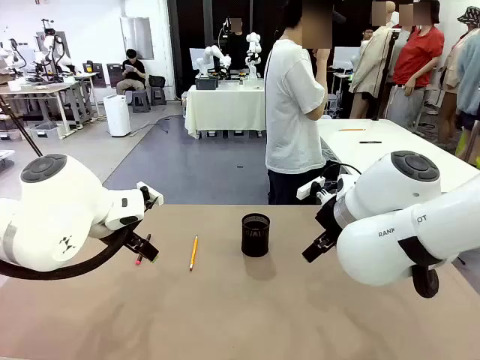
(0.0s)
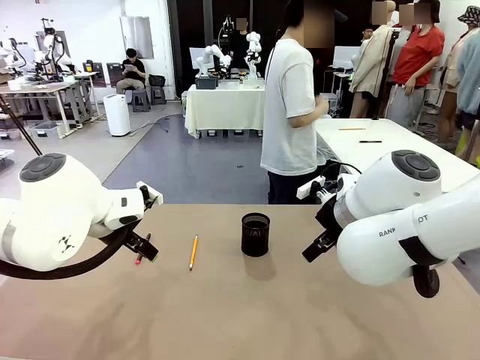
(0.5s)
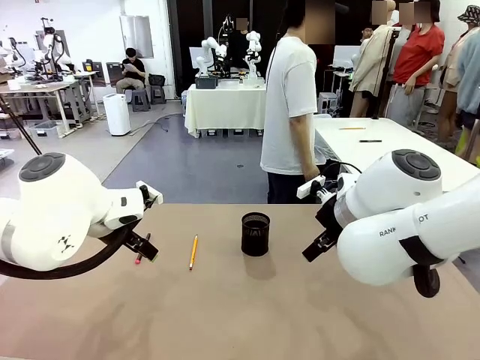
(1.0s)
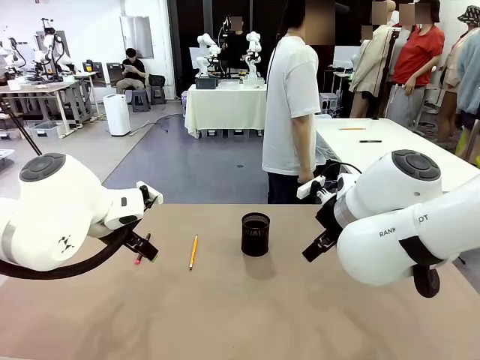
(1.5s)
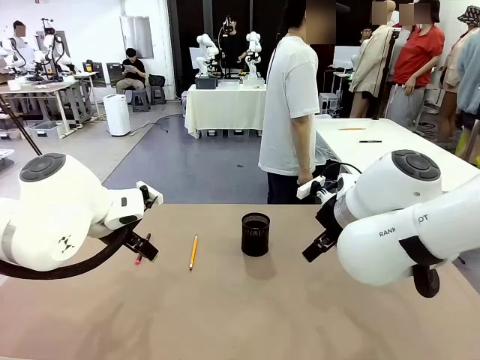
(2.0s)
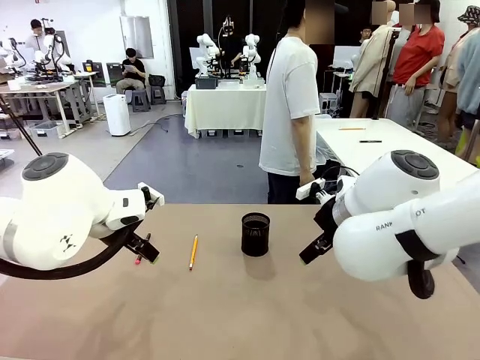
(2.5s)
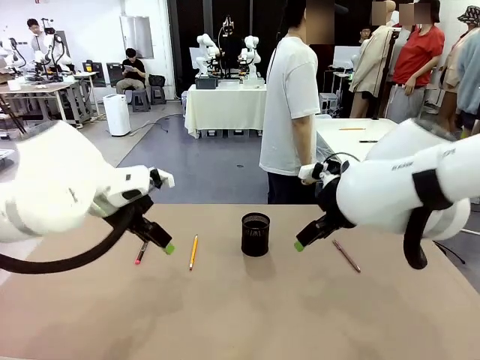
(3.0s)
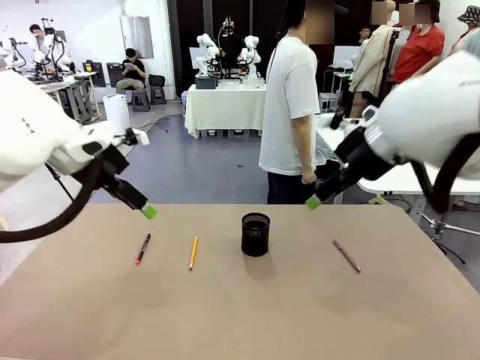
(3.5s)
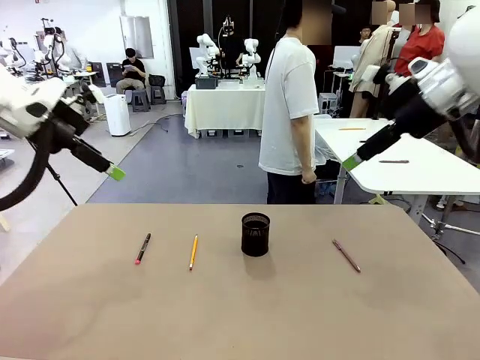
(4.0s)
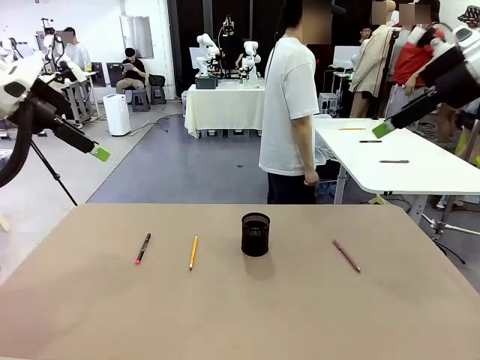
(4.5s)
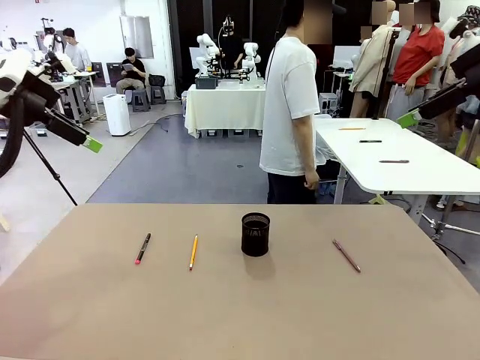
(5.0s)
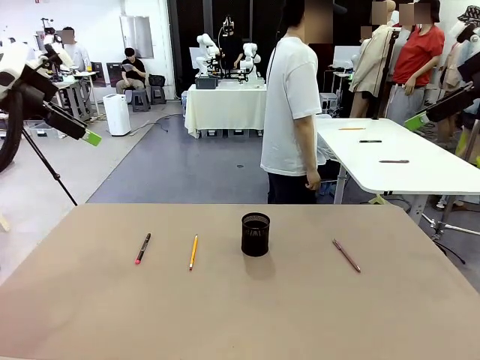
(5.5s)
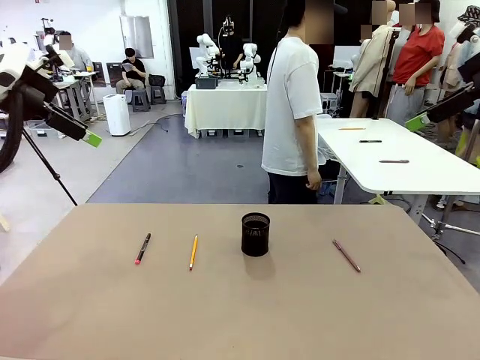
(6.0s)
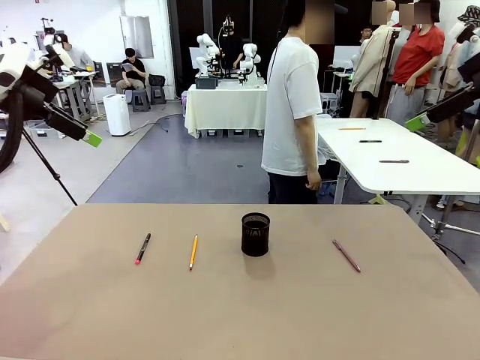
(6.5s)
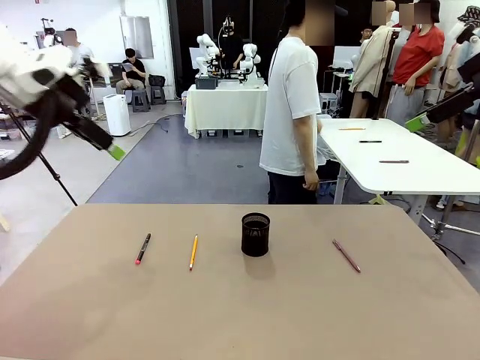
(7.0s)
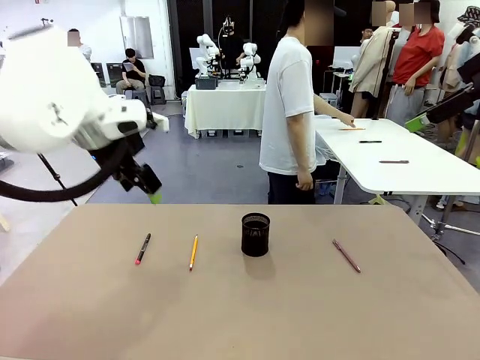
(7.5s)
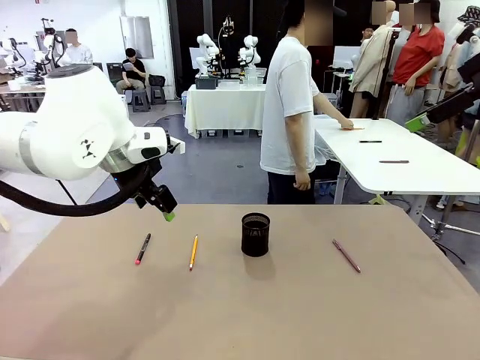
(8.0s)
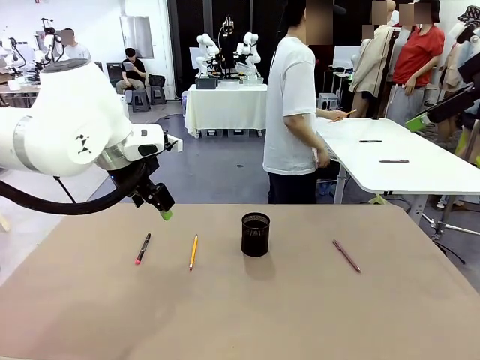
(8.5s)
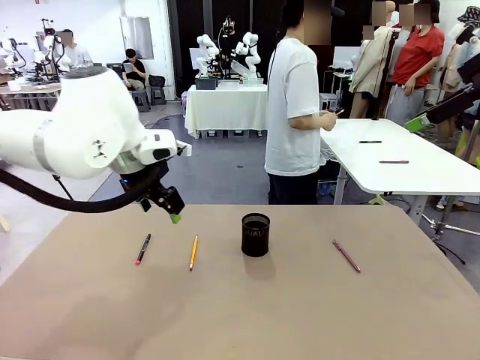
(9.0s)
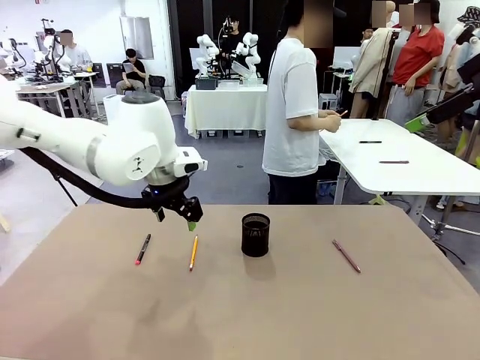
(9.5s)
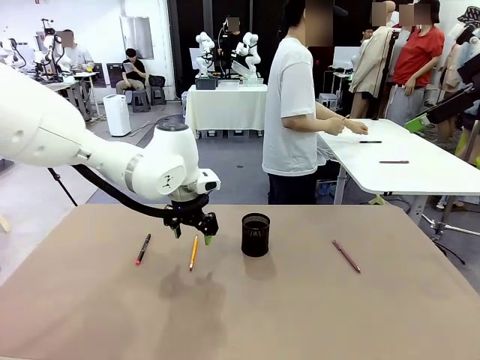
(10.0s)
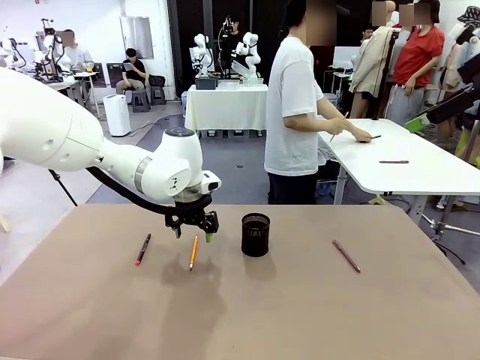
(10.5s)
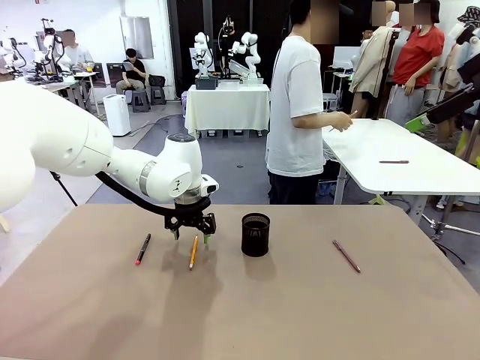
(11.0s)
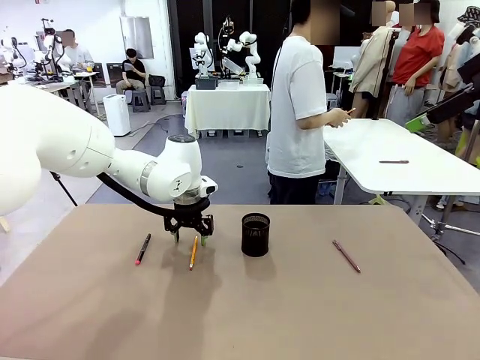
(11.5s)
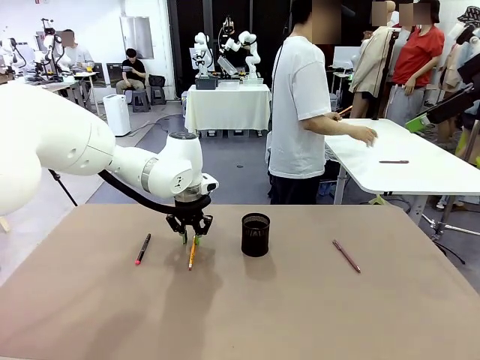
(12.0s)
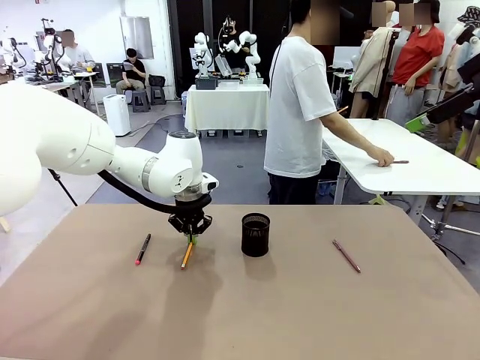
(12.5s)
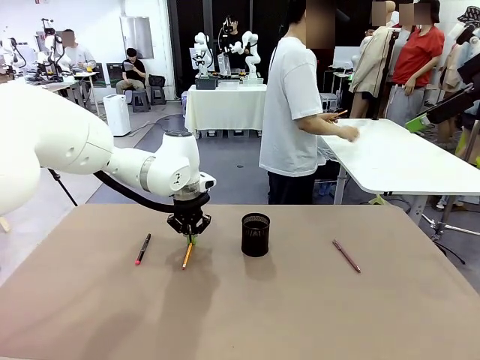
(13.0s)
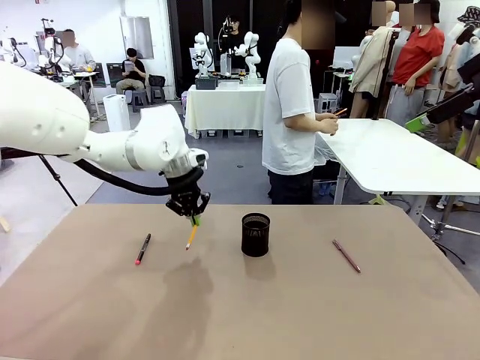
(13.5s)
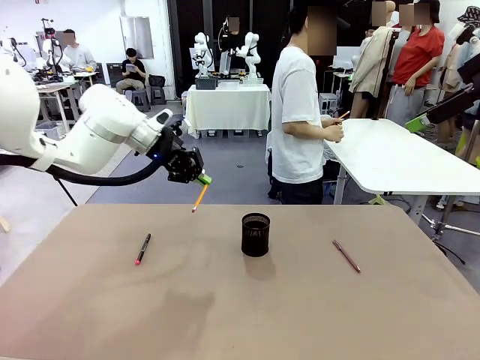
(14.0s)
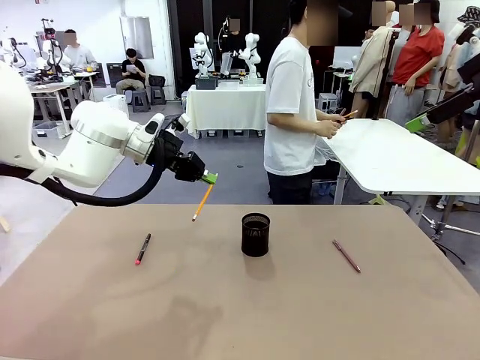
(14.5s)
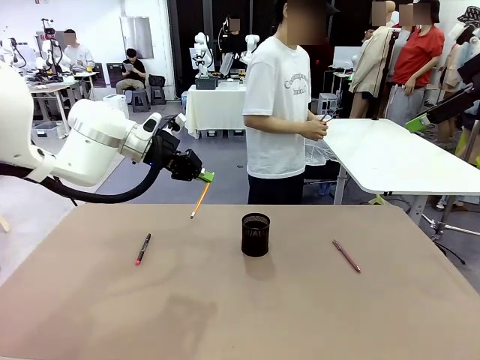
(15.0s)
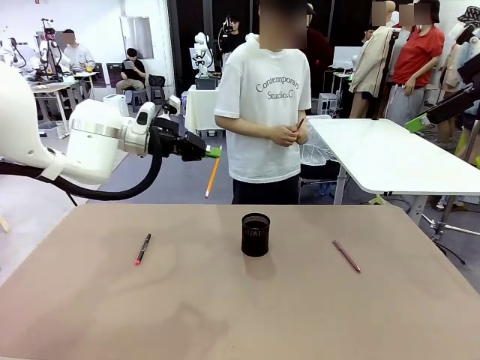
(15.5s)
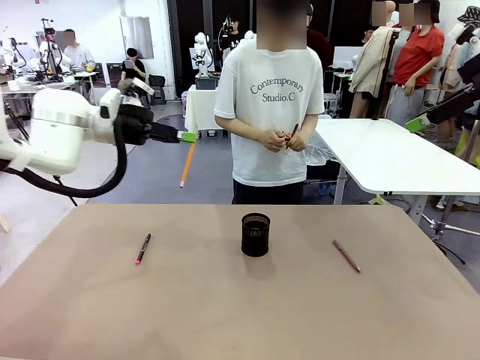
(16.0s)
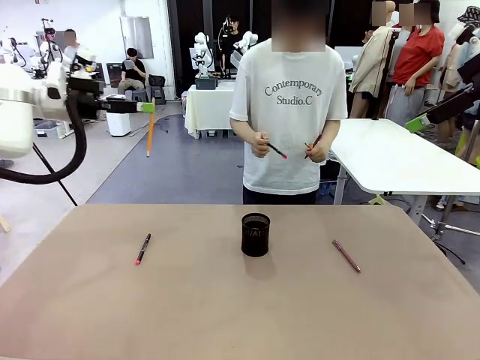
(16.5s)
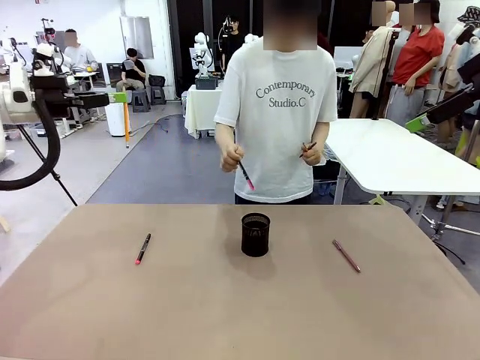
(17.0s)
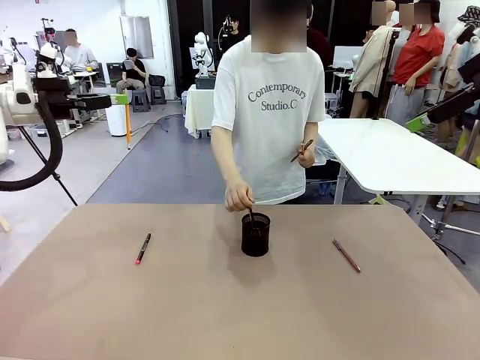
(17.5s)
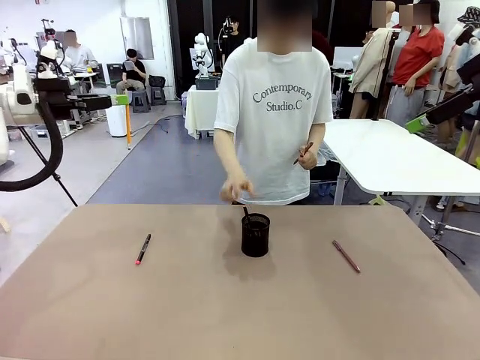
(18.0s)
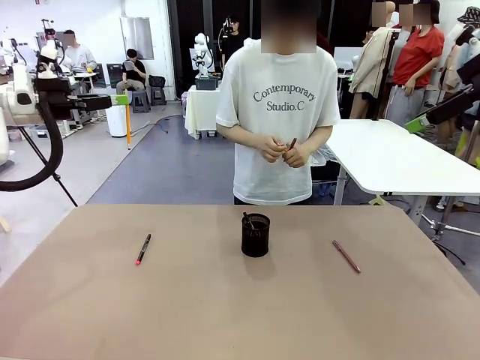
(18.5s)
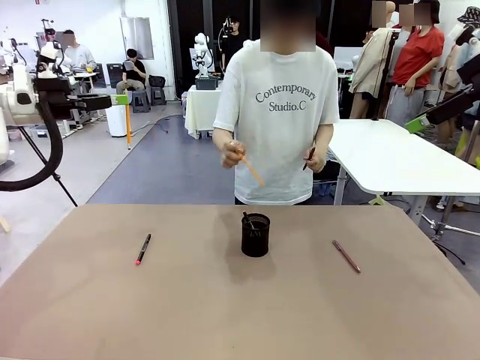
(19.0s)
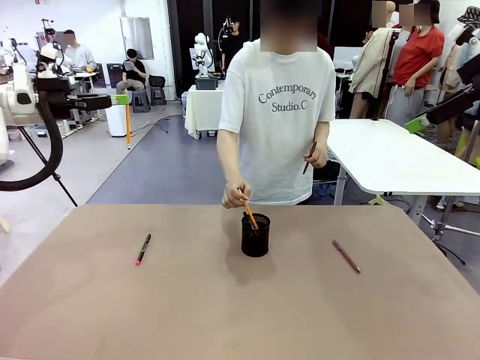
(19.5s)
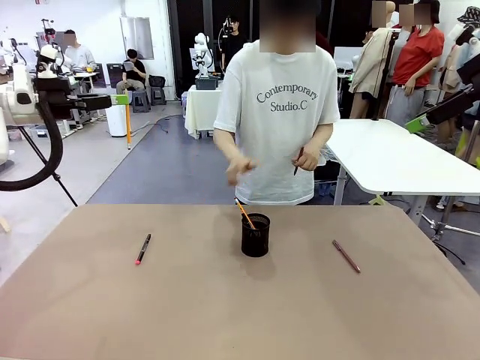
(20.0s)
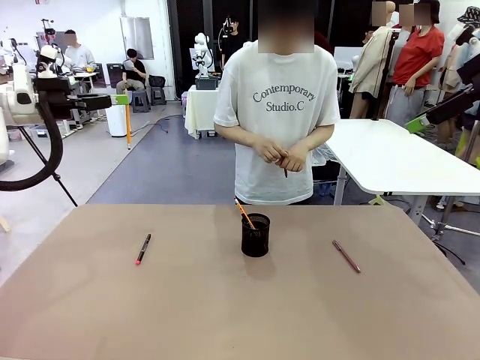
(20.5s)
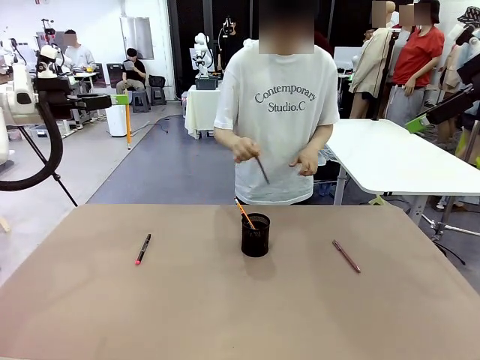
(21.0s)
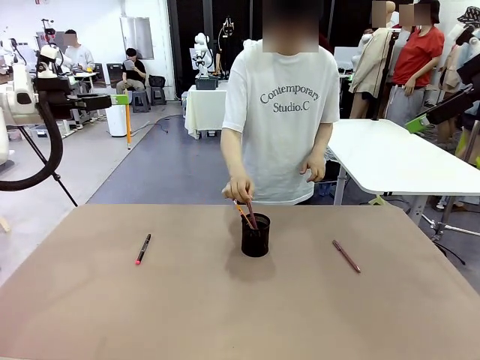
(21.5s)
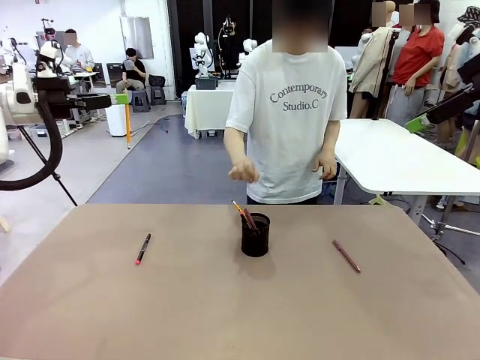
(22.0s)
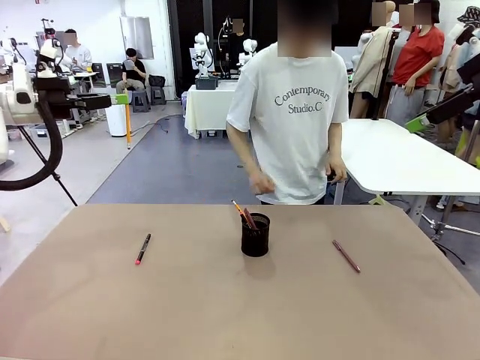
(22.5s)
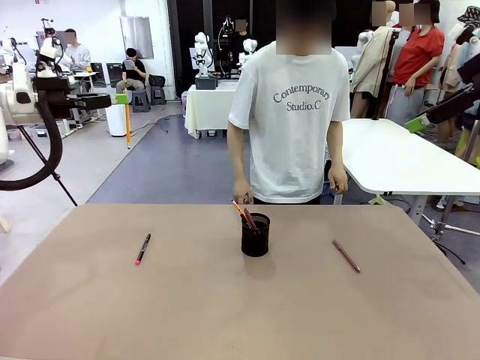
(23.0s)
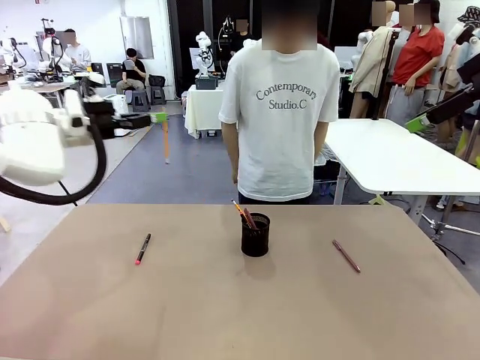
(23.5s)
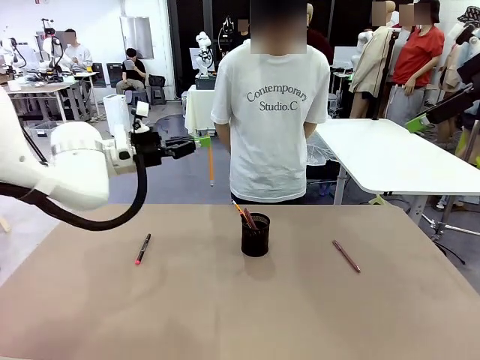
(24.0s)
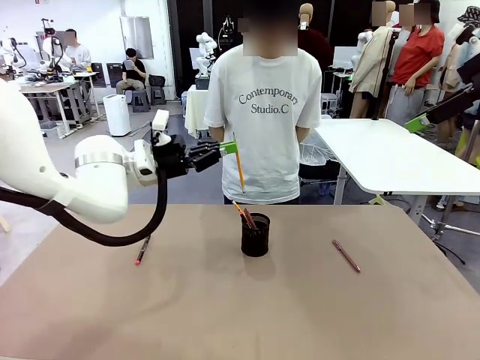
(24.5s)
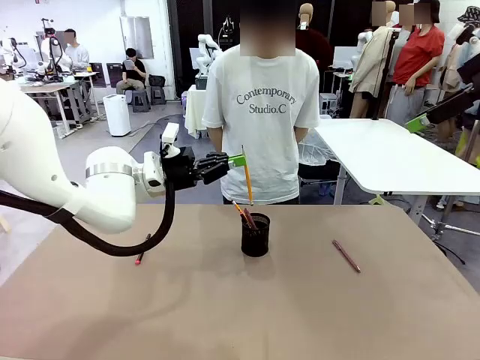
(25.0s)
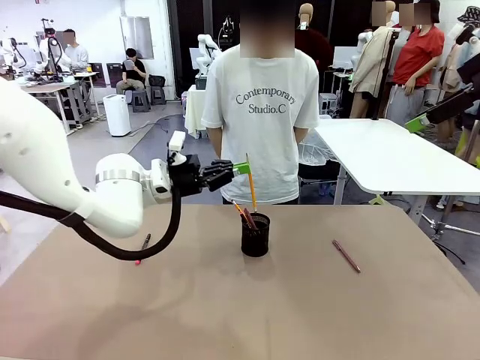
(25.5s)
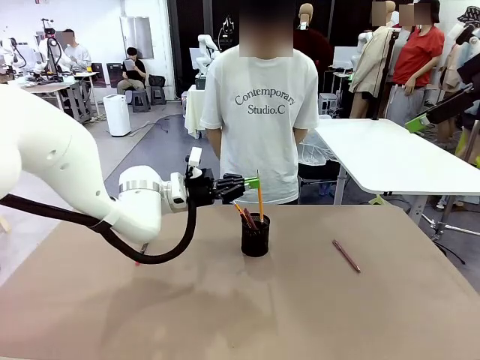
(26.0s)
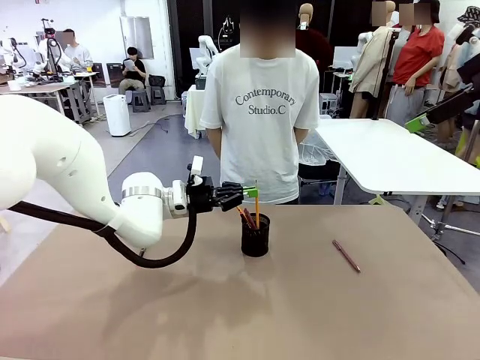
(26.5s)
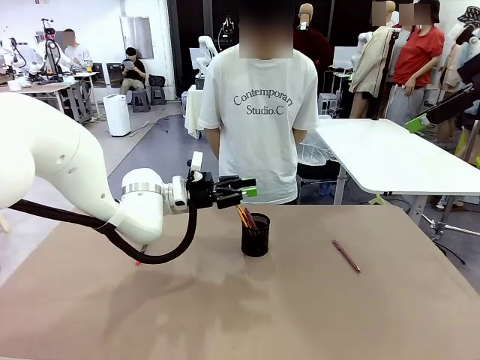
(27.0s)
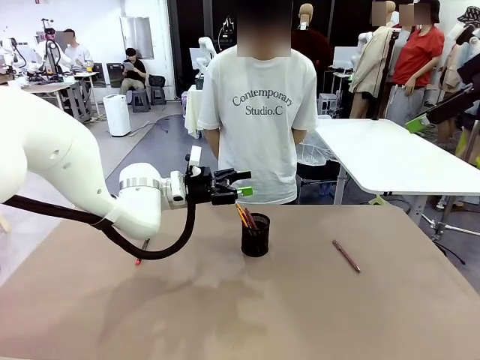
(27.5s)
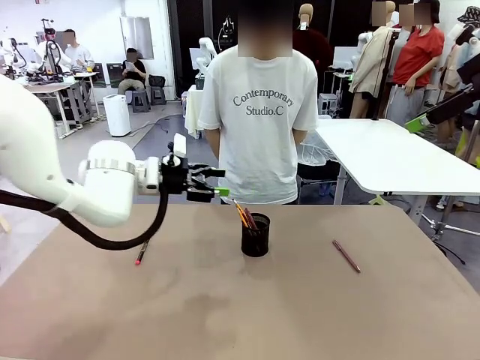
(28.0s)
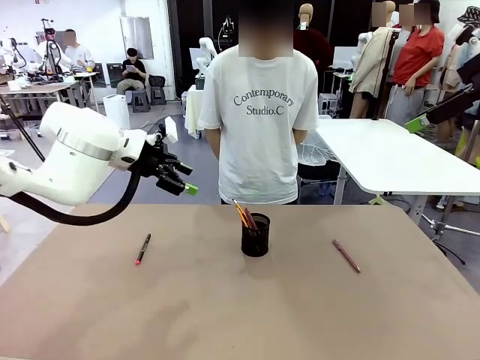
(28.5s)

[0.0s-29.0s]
Task: Place the pens into the pen holder.
Robot: Pick up a writing instrument from the table and place it into the Pen holder.
Person: Pick up all writing instruments from the Human table.
